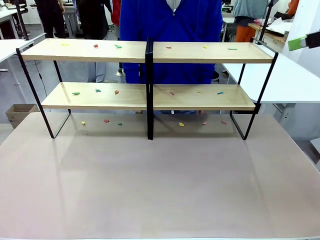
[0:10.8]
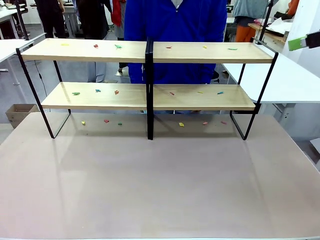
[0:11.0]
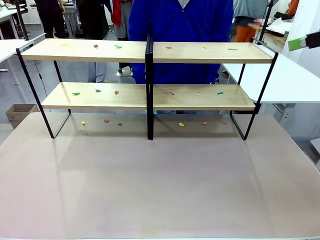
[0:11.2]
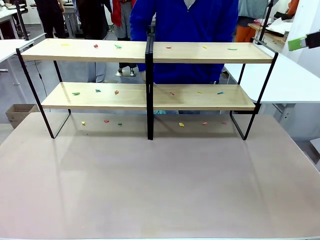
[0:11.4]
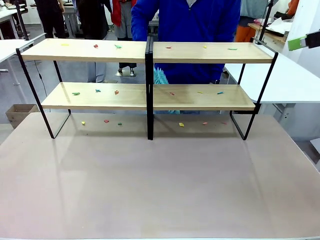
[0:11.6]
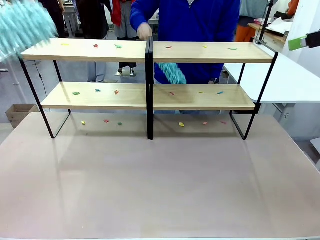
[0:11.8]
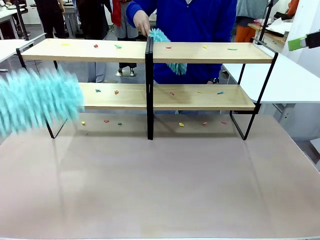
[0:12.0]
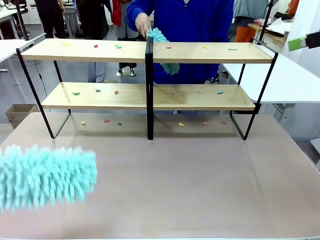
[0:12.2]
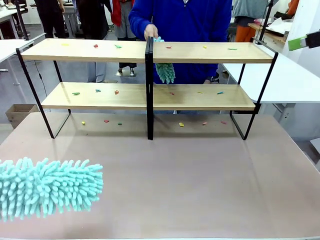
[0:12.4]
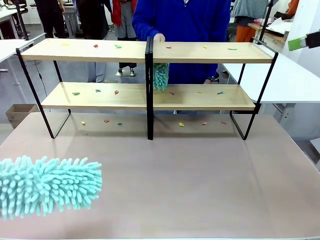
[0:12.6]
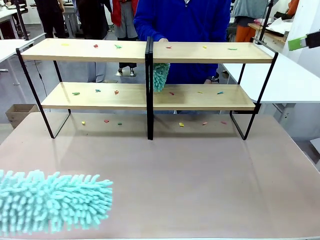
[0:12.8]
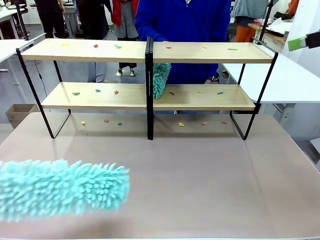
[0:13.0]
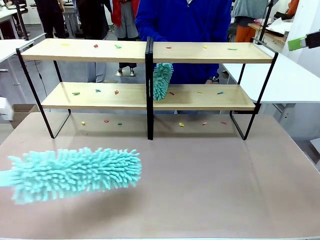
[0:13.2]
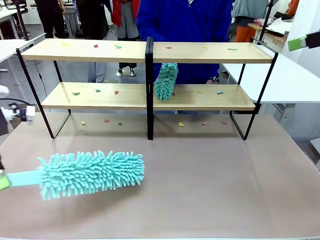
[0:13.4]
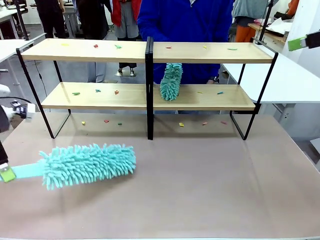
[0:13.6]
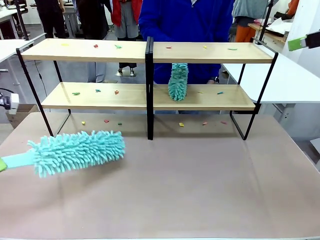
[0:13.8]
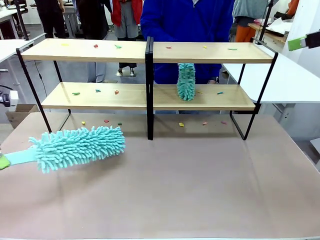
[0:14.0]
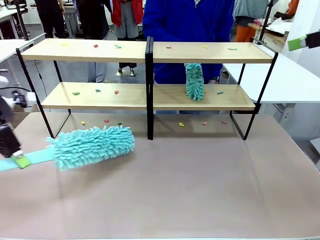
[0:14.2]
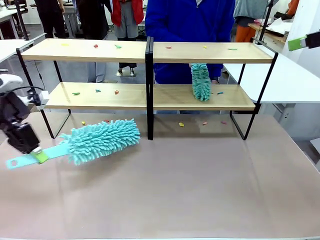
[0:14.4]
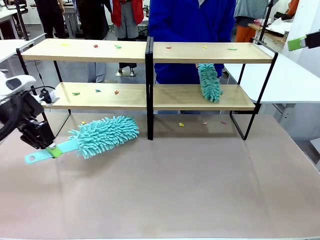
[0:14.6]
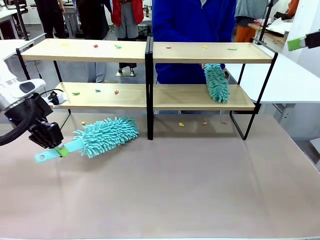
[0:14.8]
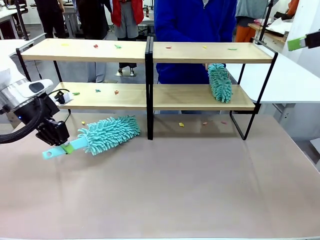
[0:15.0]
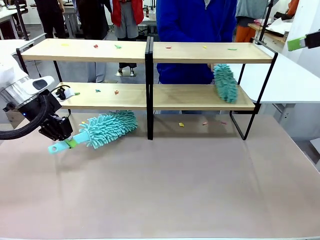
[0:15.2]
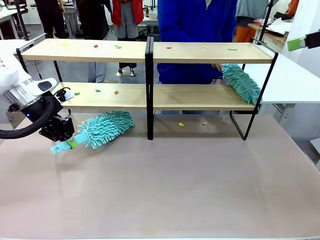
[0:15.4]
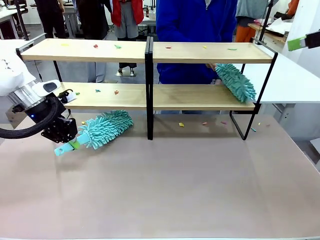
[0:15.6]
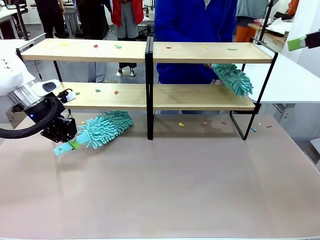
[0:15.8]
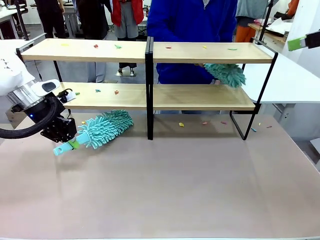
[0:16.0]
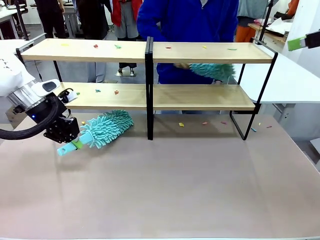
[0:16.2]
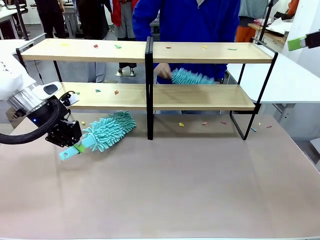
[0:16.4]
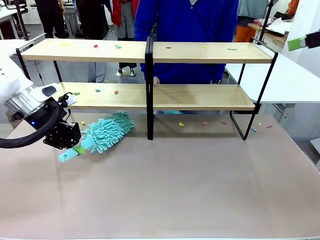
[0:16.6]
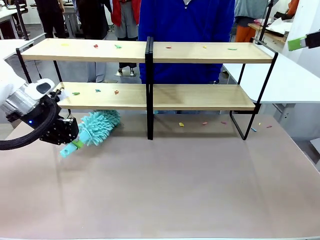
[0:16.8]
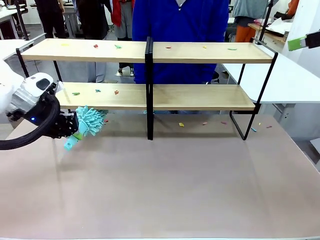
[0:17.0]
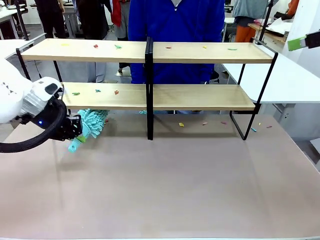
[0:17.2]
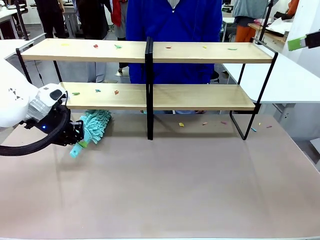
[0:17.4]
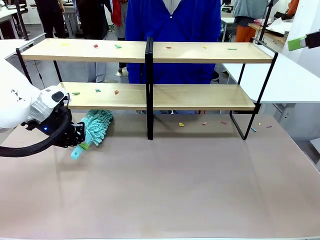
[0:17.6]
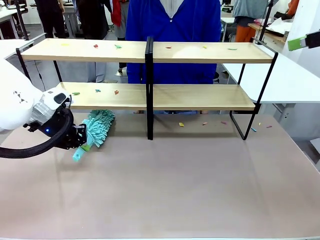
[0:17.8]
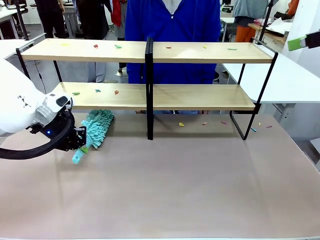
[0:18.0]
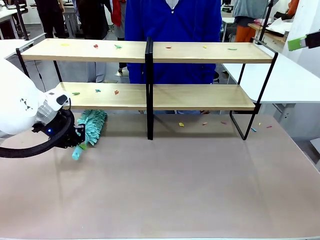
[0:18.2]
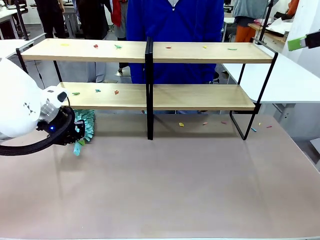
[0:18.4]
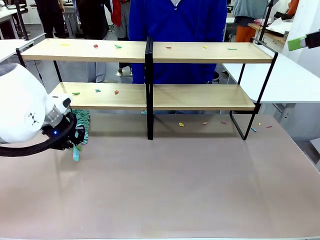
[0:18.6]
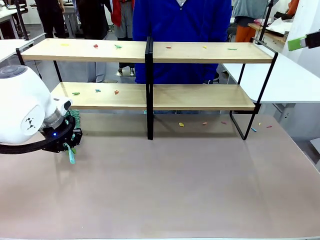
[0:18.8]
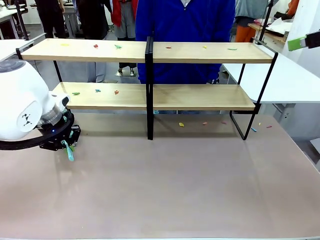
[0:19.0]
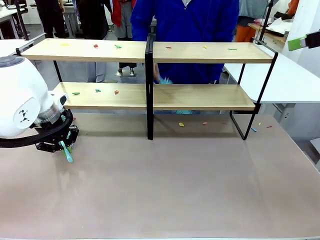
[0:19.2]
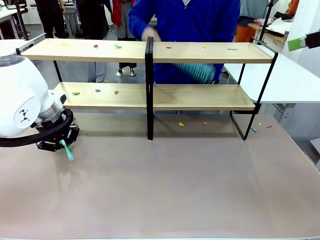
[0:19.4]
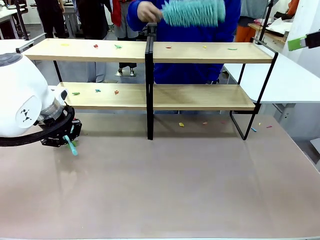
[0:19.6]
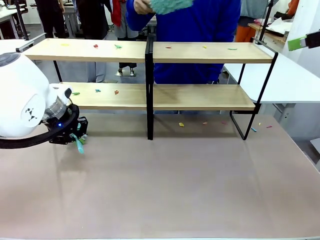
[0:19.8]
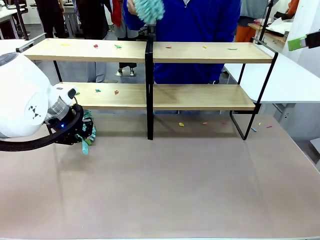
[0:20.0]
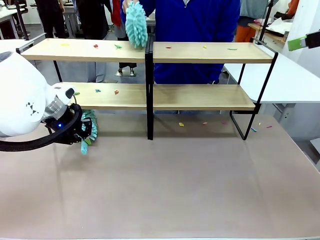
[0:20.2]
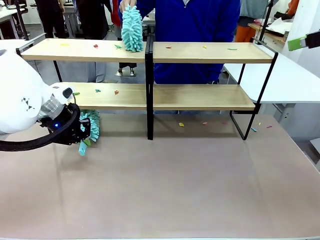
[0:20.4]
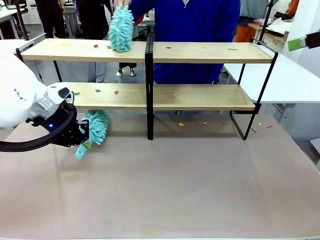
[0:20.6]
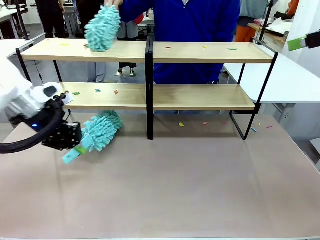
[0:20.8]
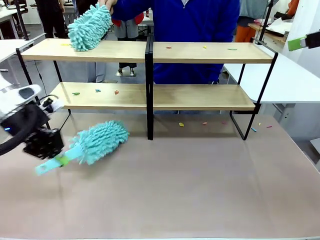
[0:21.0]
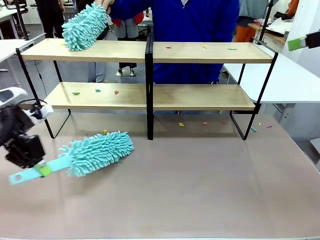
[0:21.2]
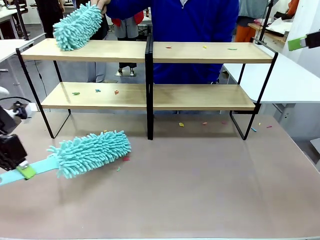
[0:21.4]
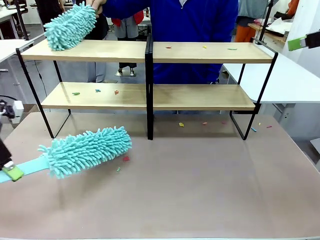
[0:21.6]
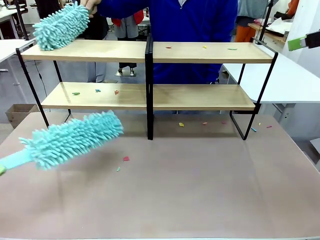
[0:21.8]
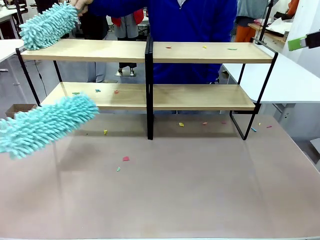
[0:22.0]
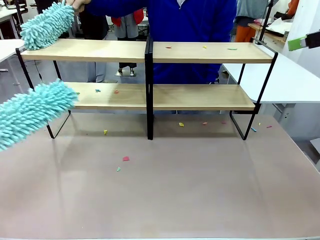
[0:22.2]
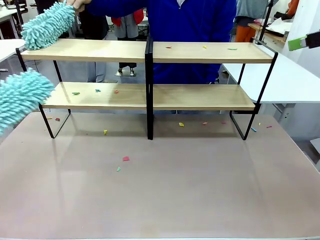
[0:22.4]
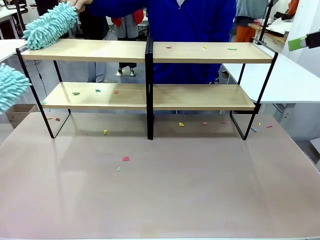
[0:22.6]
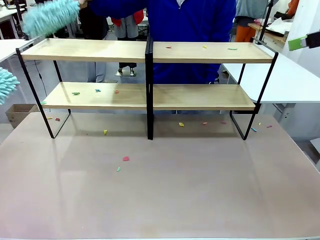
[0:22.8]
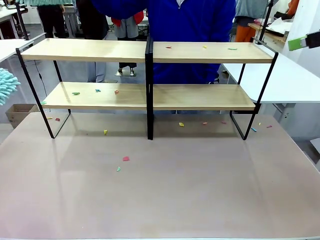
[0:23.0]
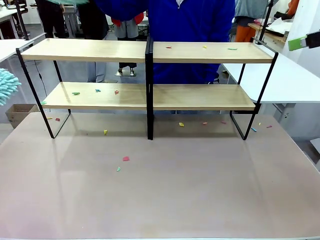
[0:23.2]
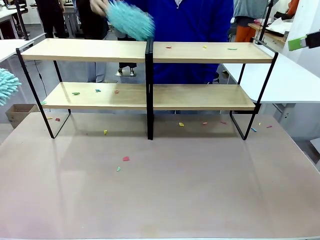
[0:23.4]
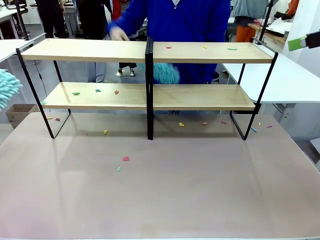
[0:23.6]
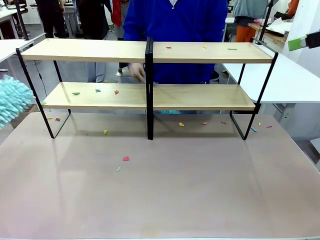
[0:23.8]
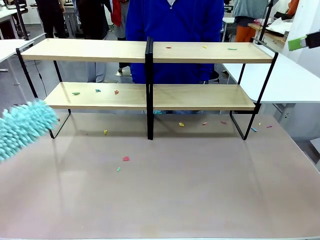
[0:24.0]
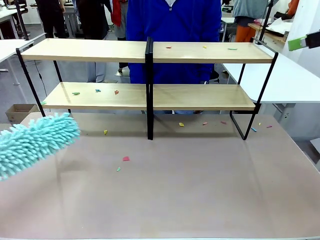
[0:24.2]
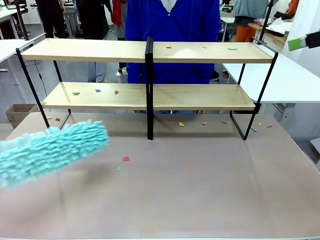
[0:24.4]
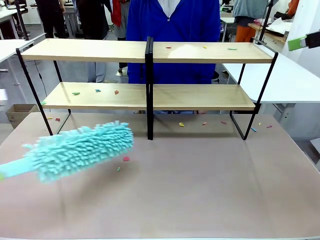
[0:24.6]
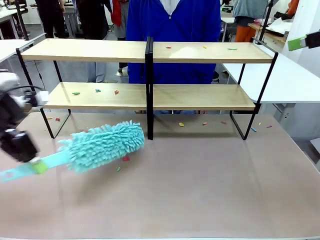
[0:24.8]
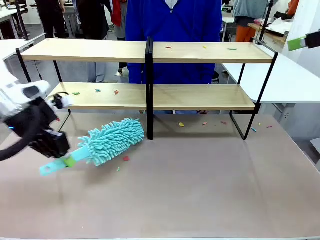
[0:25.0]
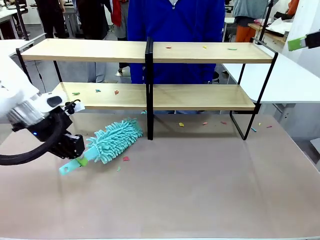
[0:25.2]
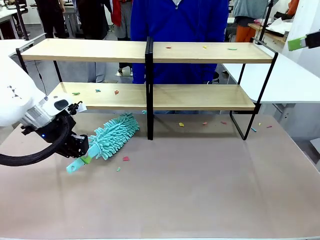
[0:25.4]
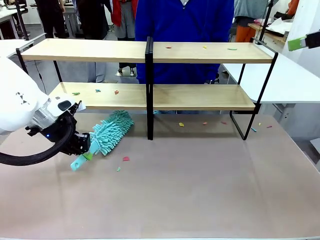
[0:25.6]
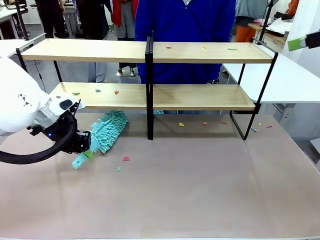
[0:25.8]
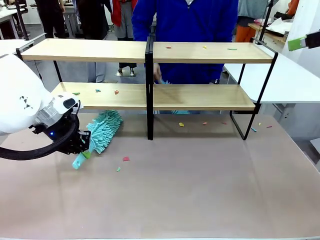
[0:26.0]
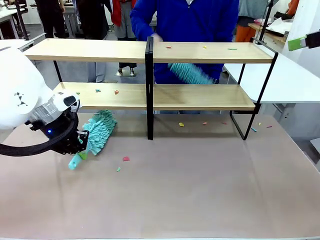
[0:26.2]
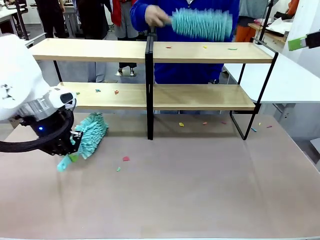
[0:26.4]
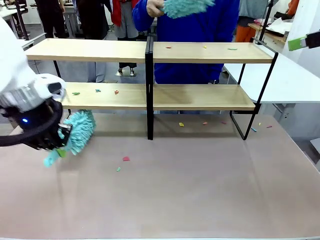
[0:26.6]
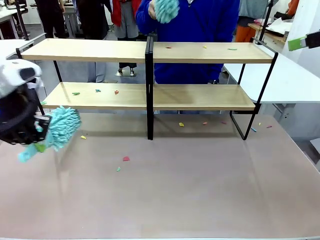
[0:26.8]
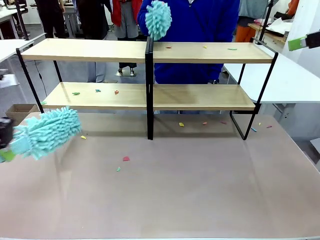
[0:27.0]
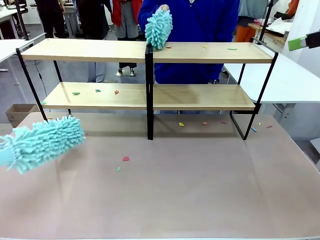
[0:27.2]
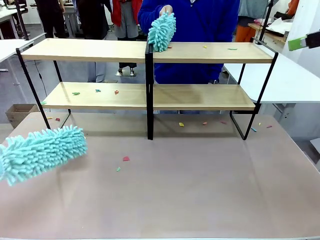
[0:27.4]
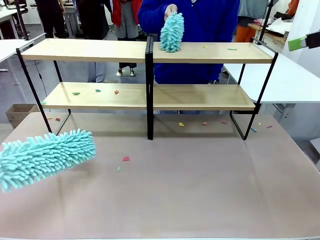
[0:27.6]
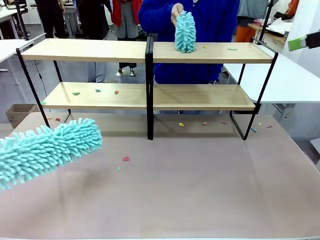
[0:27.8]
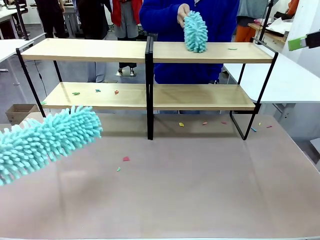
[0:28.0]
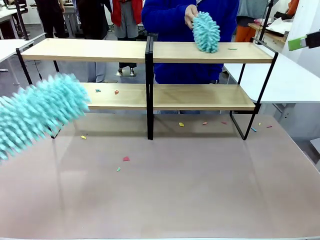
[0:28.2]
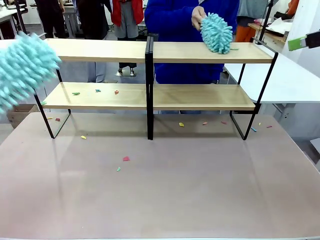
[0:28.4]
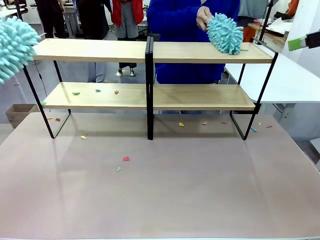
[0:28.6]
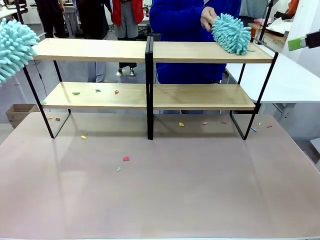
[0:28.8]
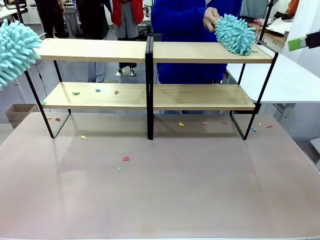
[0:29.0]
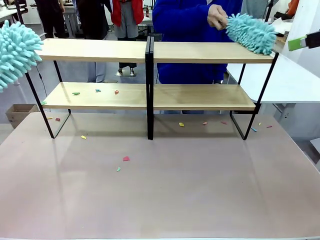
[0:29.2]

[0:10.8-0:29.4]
Task: Clean the shelves.
Robot: Clean a randomly selected level of the Shelf with the Duster.
